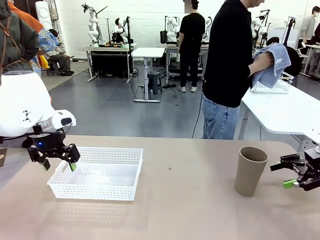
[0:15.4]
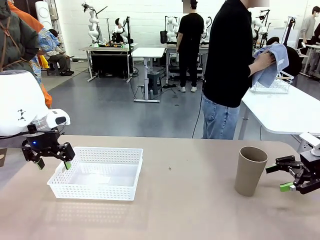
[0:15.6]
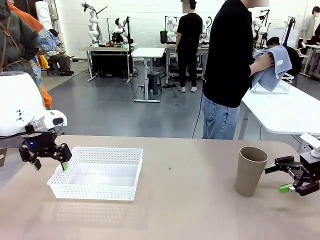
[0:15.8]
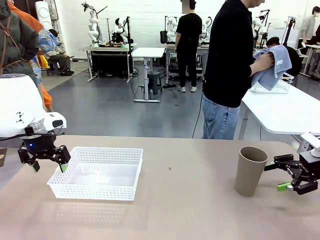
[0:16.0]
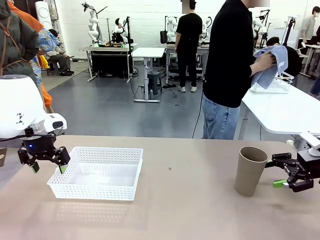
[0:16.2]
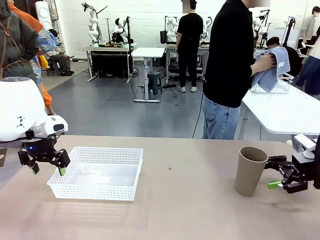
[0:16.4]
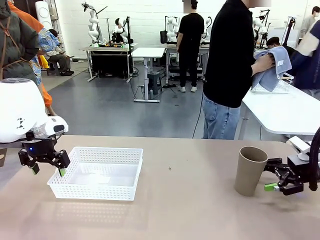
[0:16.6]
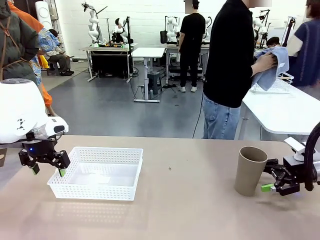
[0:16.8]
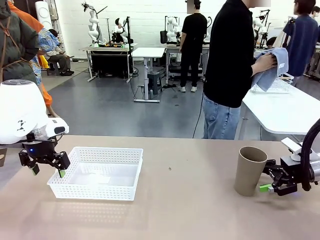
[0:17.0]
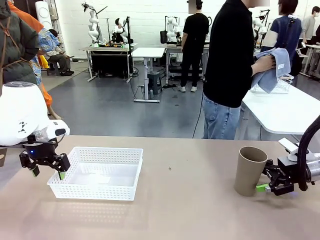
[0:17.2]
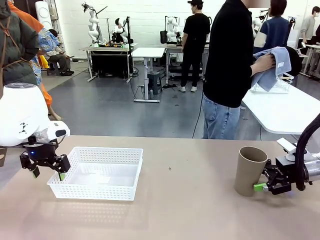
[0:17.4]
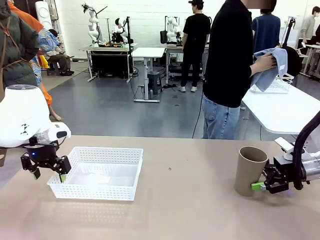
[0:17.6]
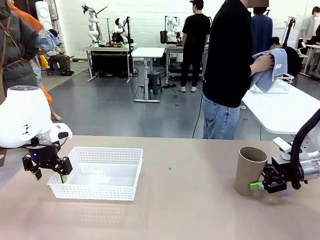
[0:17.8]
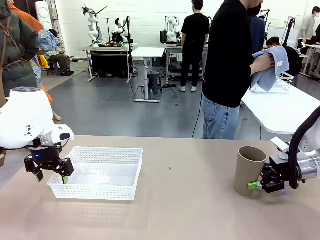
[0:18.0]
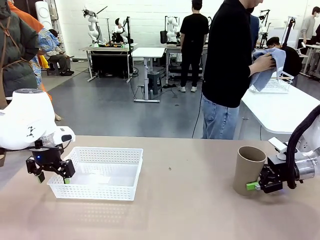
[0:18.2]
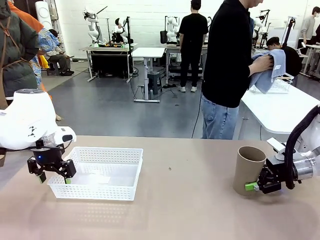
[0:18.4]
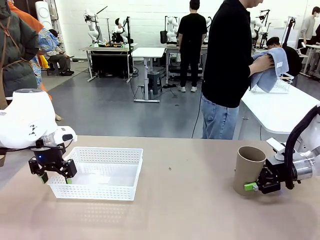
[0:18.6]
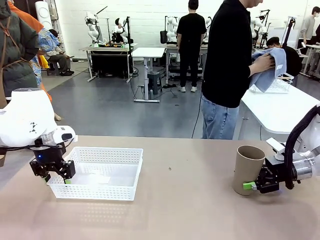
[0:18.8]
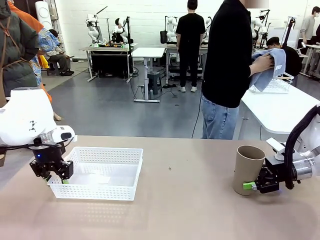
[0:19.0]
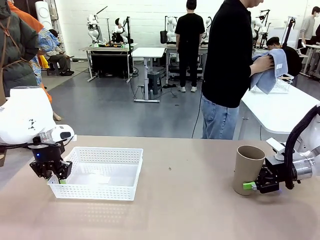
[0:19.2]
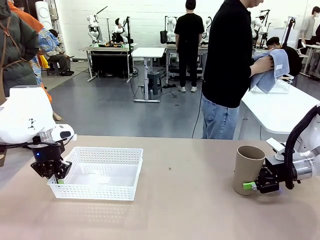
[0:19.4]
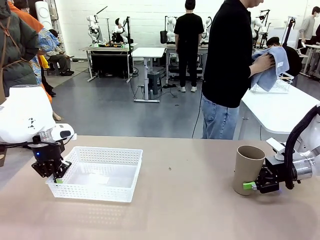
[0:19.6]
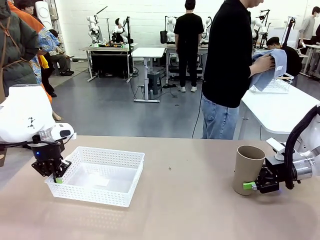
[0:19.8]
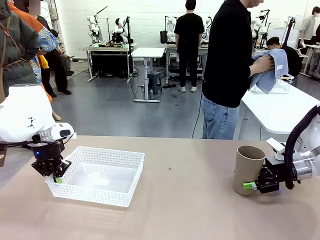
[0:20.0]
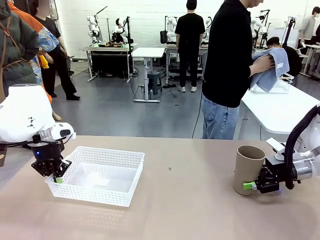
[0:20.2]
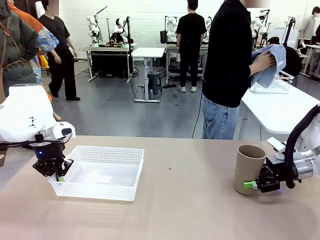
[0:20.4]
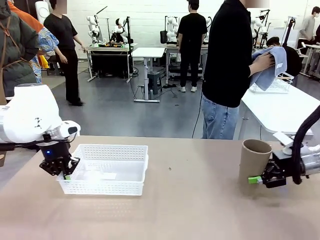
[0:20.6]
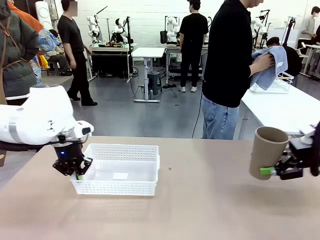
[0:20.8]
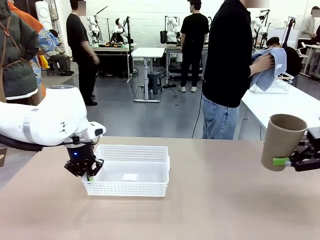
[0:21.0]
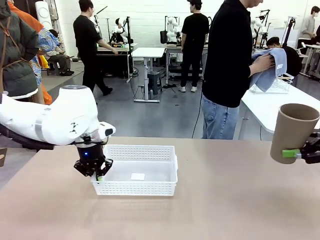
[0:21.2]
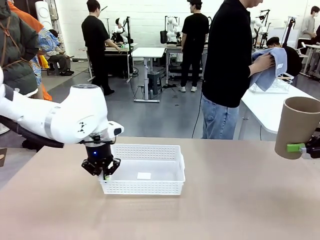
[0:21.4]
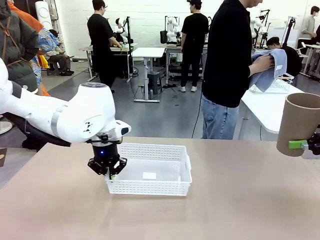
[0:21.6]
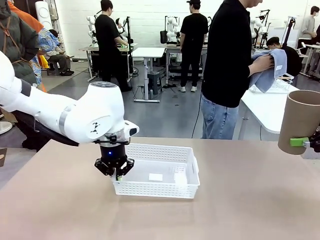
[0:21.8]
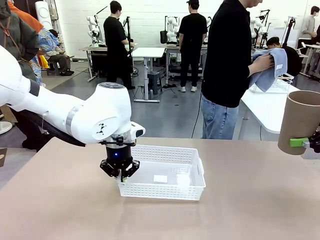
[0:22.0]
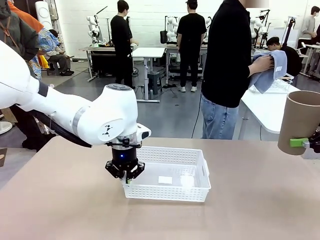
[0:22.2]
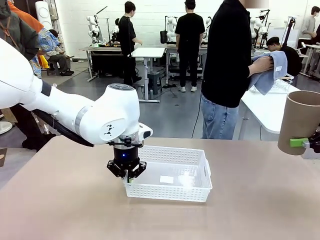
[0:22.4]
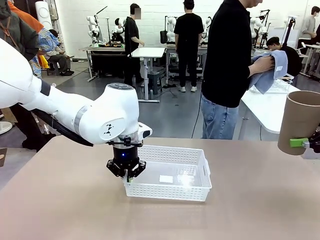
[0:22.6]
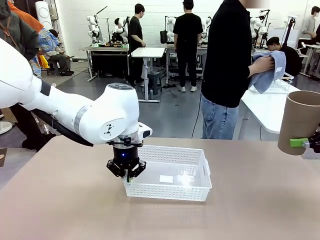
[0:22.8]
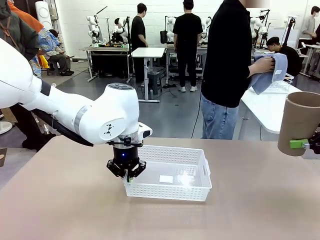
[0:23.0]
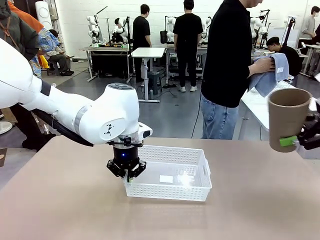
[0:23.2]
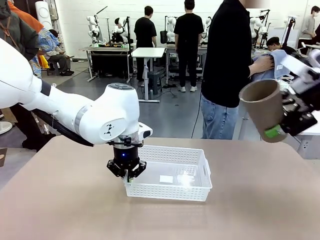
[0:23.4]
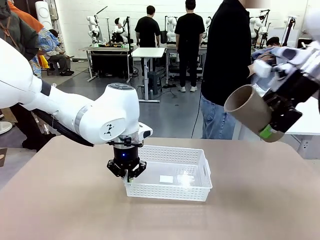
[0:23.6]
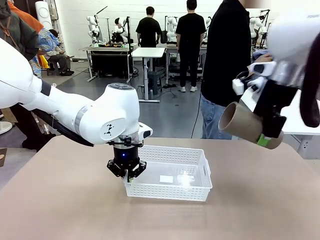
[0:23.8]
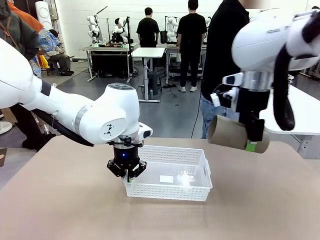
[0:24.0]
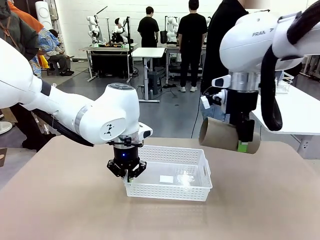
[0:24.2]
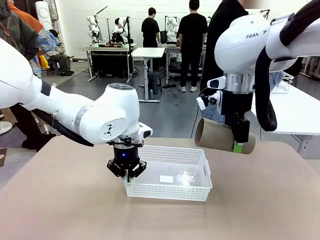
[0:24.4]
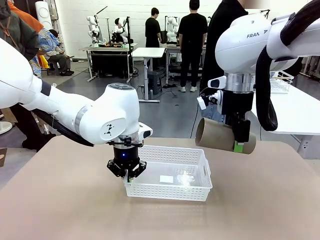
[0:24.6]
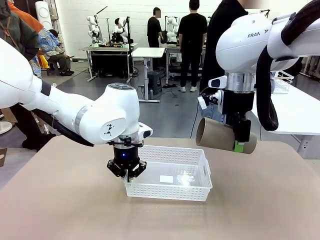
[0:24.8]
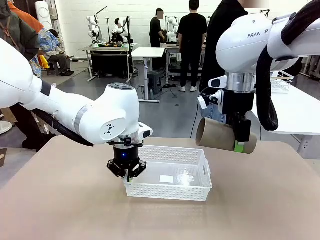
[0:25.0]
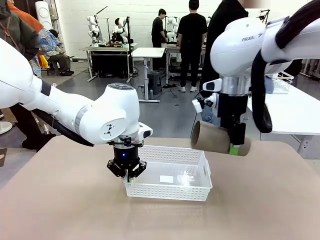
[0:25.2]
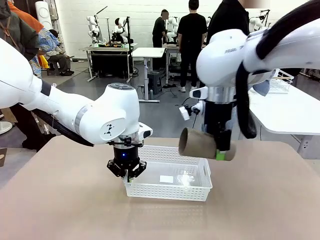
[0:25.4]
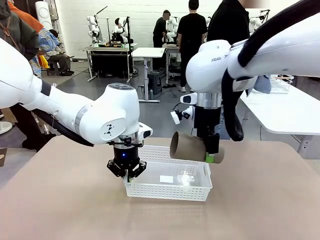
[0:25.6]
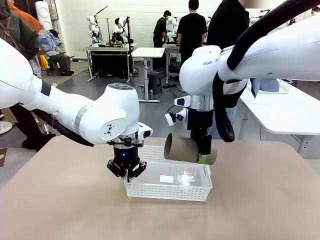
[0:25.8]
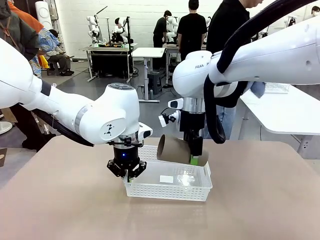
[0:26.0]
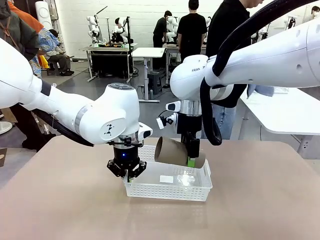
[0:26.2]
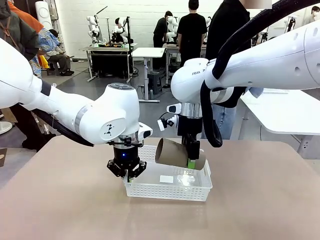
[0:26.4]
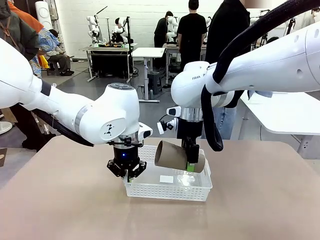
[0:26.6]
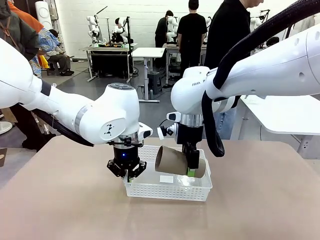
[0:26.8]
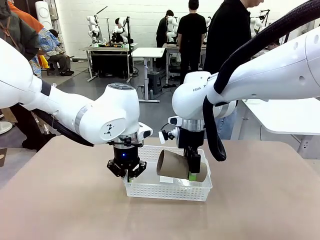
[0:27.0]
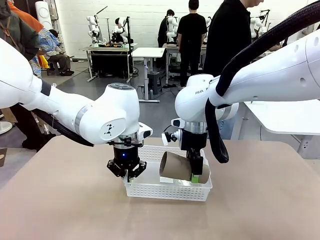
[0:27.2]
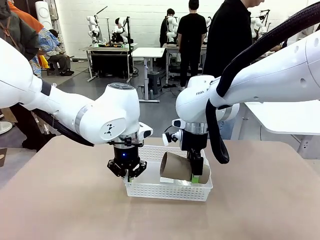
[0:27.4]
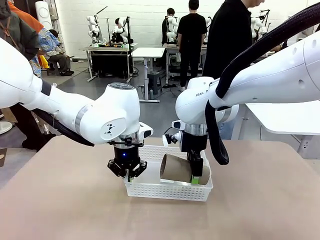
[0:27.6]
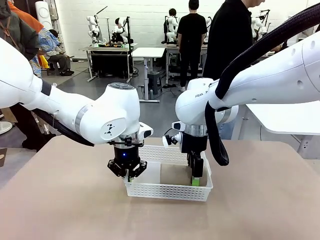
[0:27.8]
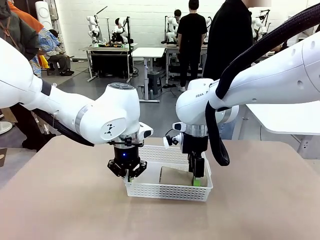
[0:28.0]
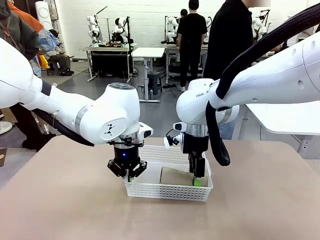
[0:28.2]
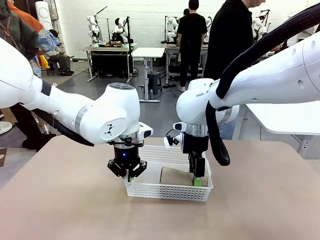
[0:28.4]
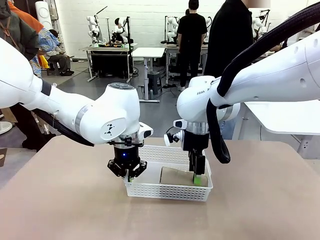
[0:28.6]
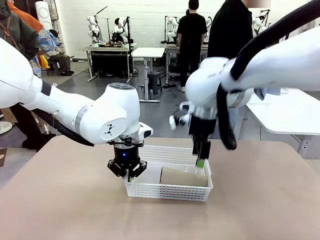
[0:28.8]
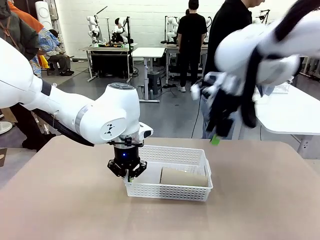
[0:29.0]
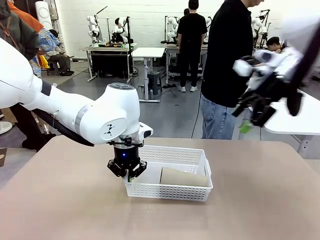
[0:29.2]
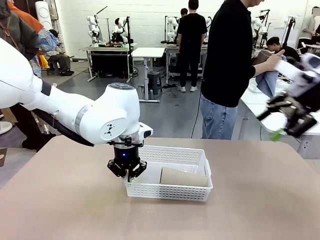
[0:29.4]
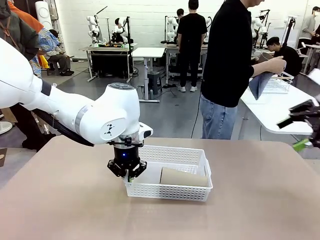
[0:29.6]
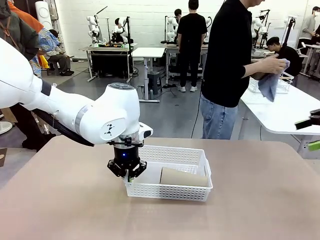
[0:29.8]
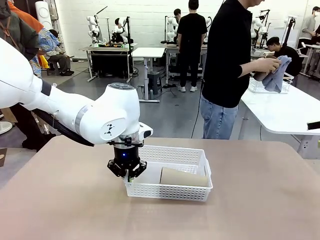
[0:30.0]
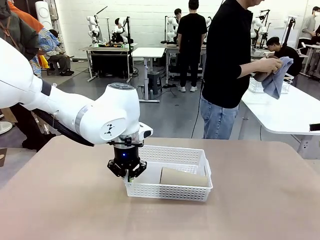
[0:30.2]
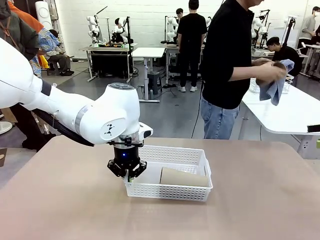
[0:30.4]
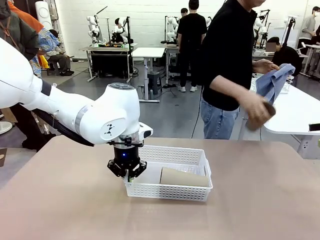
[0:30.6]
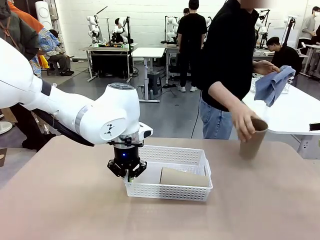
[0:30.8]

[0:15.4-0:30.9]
Task: Clean and organize the cups into the basket.
Robot: Pick up the Organizing basket and move it to the center of the table, then pick up the Reusable plastic cup from the right side of the table and place it inside the Organizing basket.
